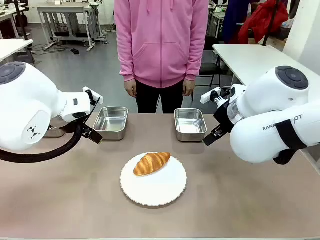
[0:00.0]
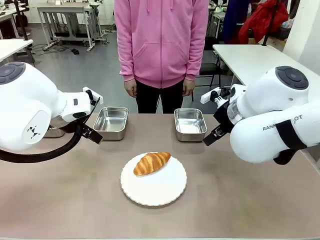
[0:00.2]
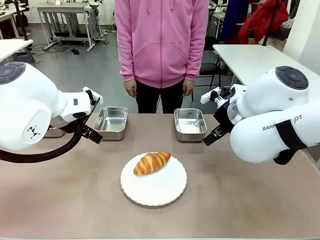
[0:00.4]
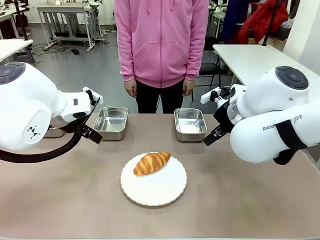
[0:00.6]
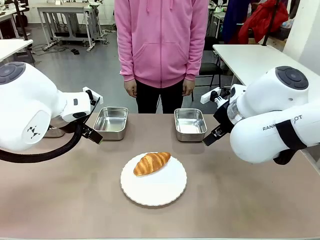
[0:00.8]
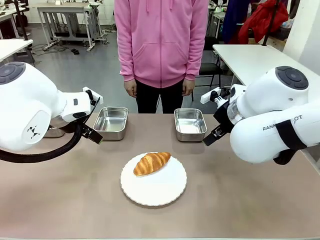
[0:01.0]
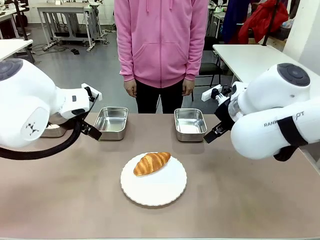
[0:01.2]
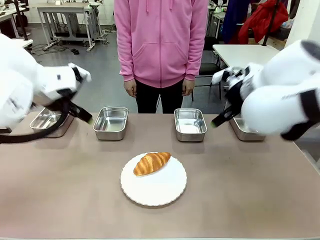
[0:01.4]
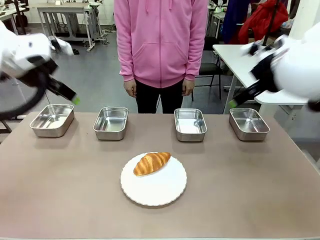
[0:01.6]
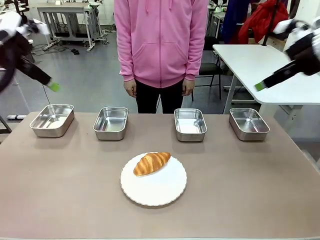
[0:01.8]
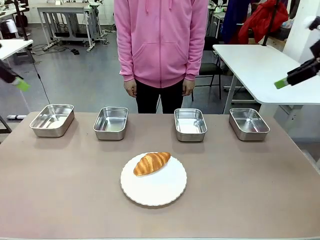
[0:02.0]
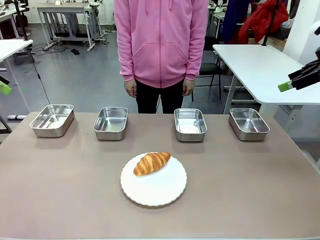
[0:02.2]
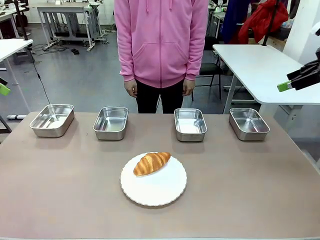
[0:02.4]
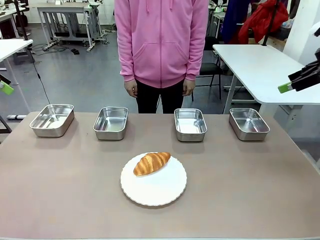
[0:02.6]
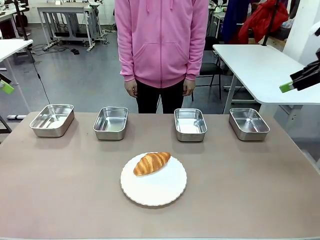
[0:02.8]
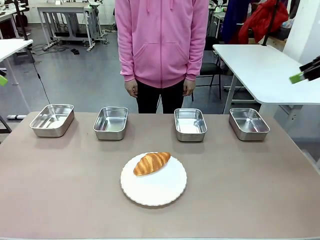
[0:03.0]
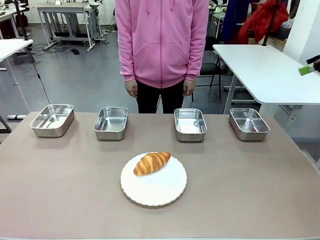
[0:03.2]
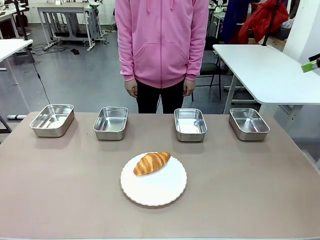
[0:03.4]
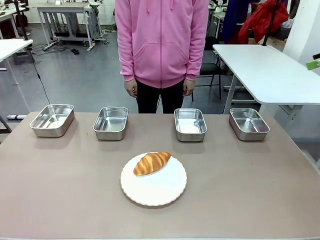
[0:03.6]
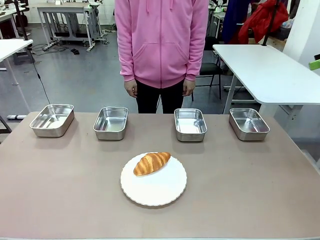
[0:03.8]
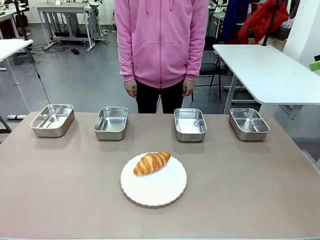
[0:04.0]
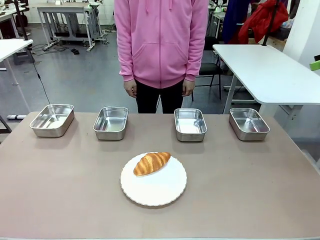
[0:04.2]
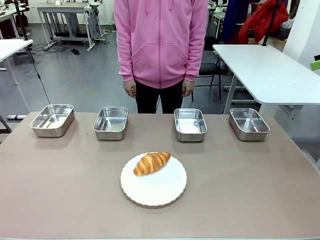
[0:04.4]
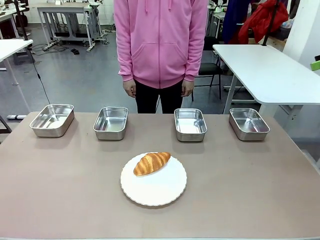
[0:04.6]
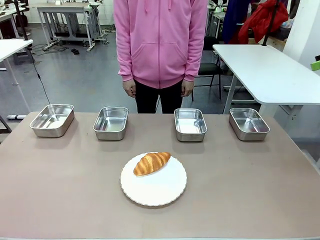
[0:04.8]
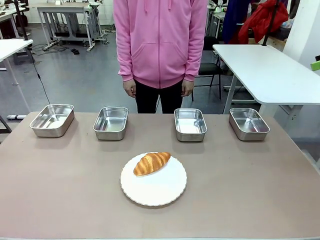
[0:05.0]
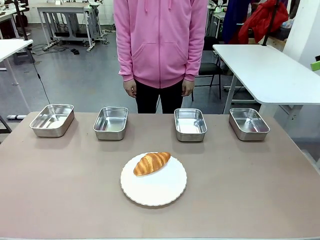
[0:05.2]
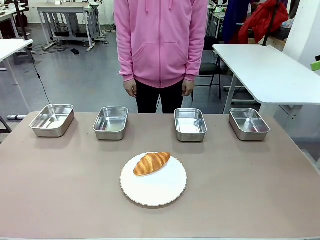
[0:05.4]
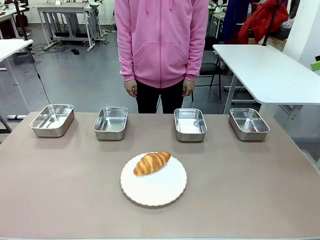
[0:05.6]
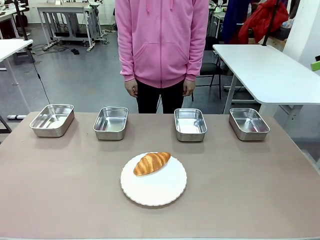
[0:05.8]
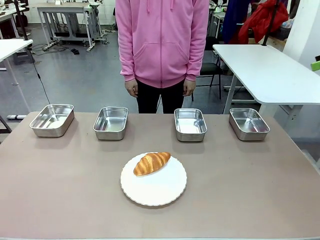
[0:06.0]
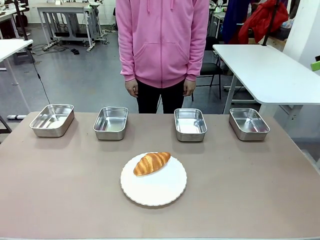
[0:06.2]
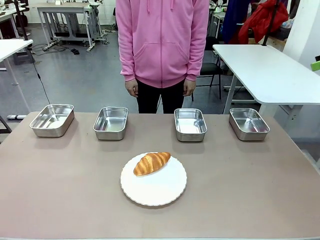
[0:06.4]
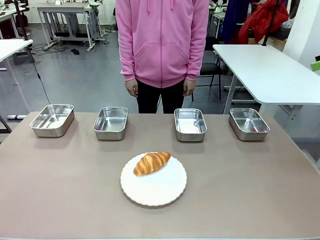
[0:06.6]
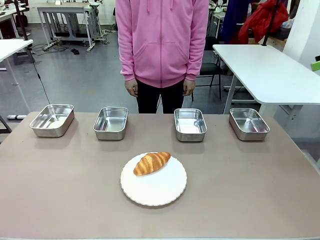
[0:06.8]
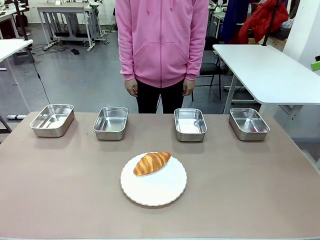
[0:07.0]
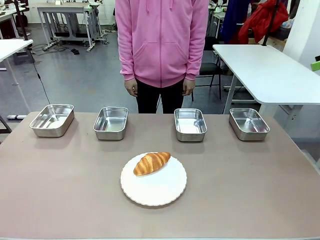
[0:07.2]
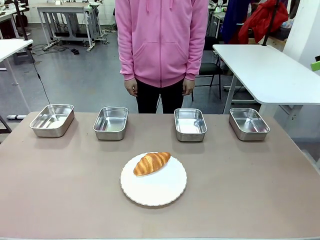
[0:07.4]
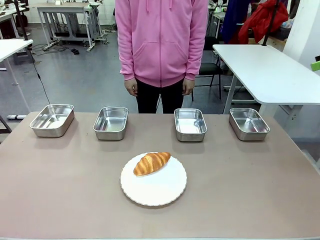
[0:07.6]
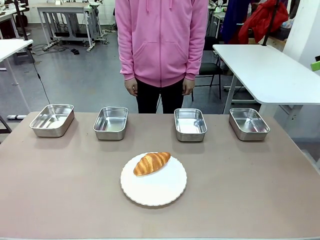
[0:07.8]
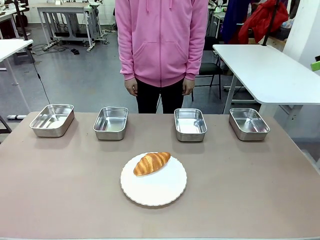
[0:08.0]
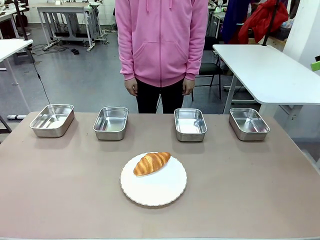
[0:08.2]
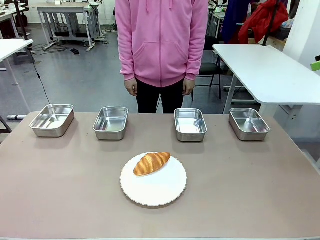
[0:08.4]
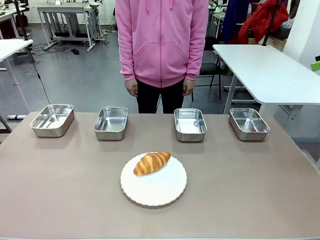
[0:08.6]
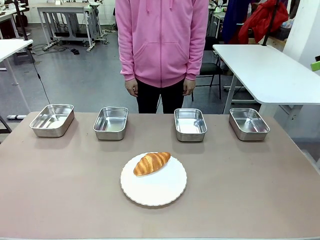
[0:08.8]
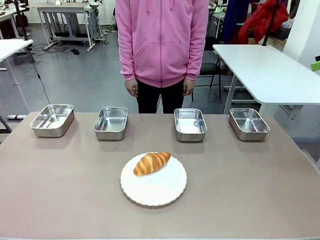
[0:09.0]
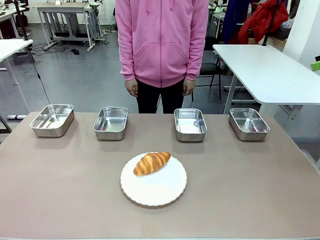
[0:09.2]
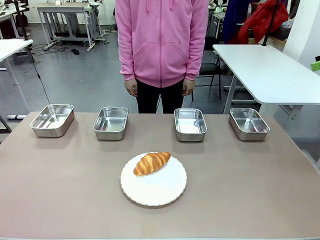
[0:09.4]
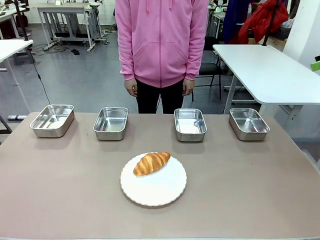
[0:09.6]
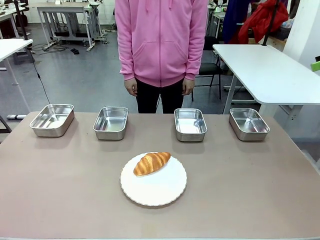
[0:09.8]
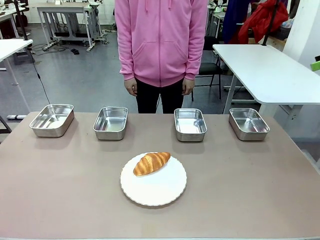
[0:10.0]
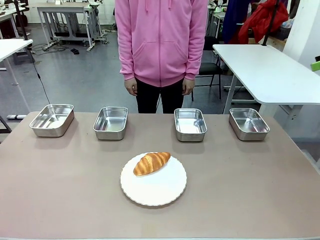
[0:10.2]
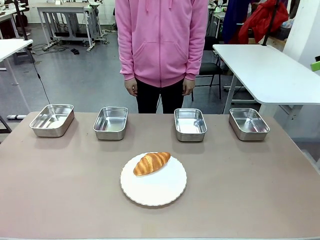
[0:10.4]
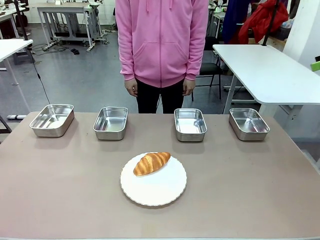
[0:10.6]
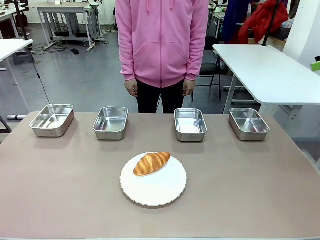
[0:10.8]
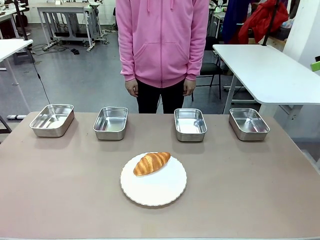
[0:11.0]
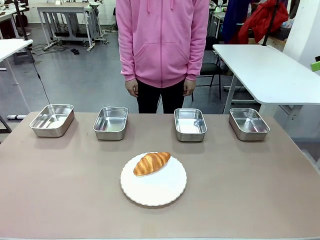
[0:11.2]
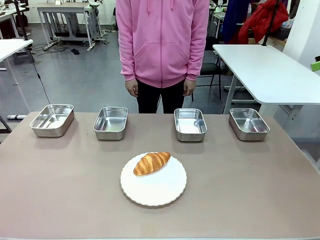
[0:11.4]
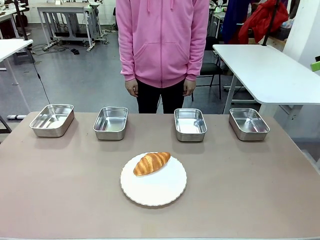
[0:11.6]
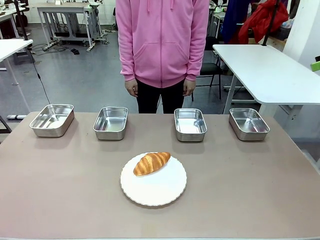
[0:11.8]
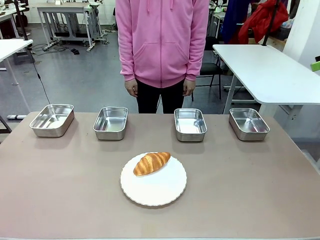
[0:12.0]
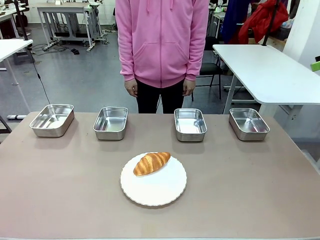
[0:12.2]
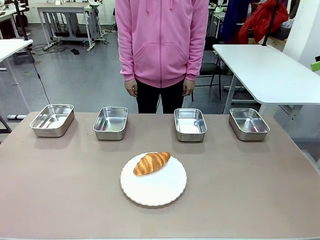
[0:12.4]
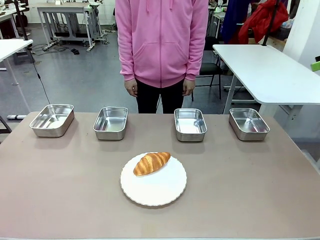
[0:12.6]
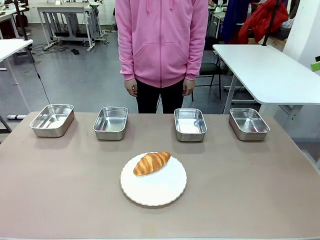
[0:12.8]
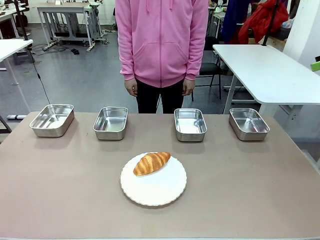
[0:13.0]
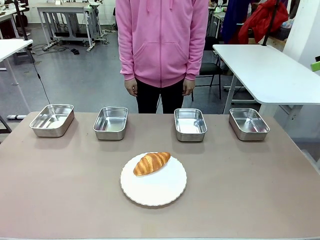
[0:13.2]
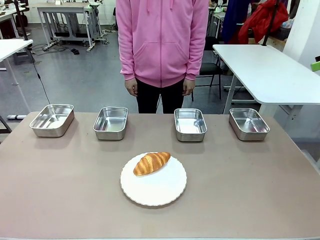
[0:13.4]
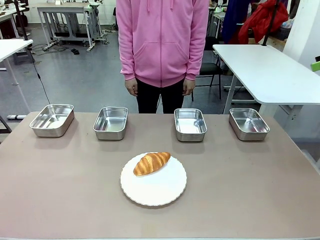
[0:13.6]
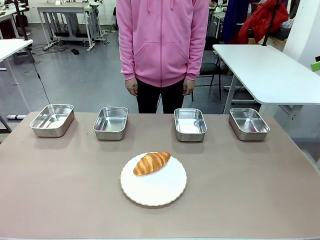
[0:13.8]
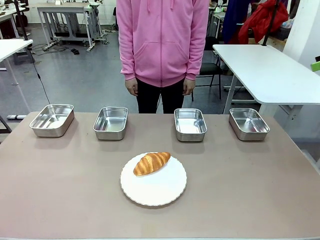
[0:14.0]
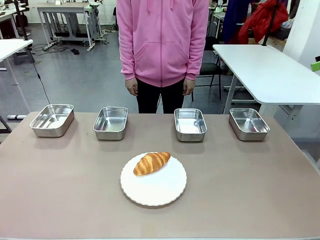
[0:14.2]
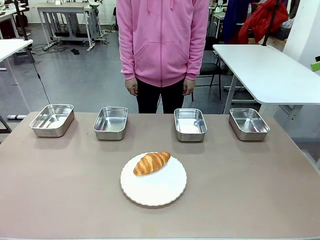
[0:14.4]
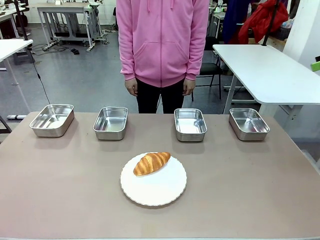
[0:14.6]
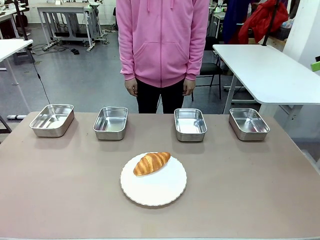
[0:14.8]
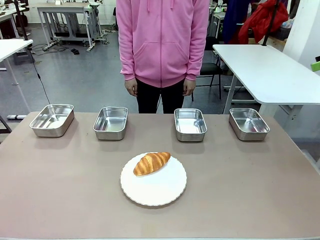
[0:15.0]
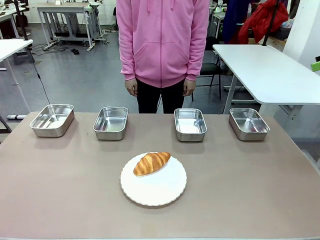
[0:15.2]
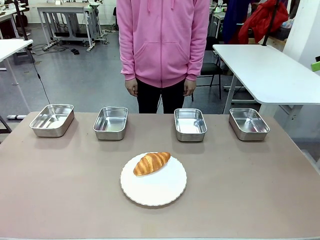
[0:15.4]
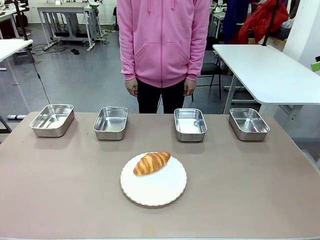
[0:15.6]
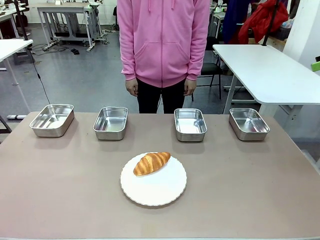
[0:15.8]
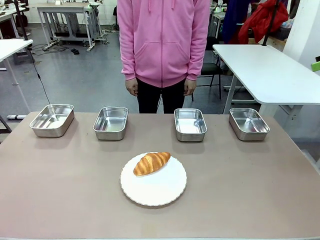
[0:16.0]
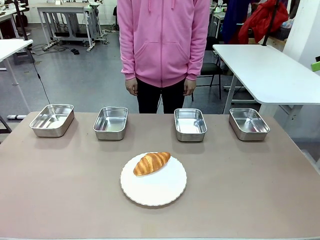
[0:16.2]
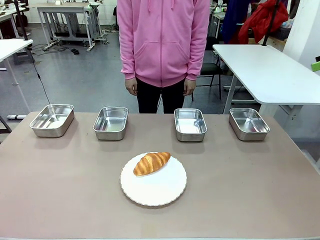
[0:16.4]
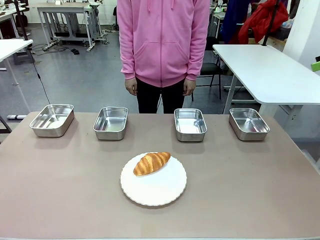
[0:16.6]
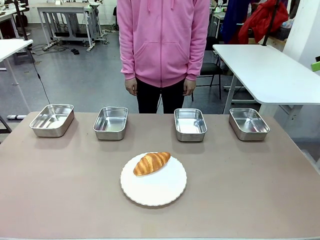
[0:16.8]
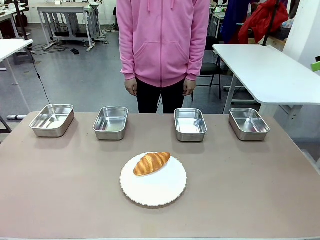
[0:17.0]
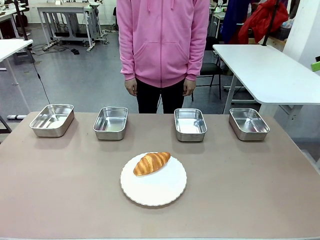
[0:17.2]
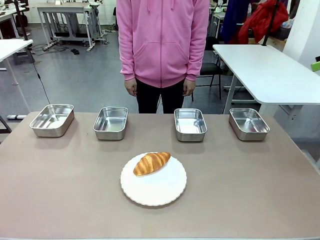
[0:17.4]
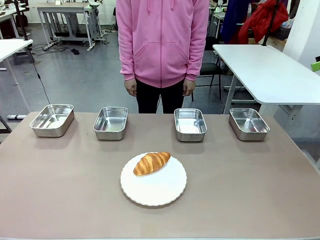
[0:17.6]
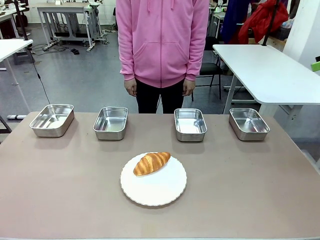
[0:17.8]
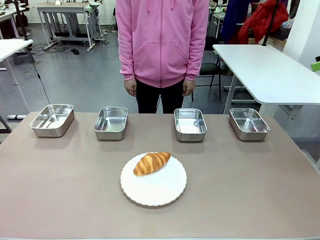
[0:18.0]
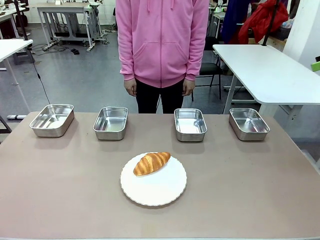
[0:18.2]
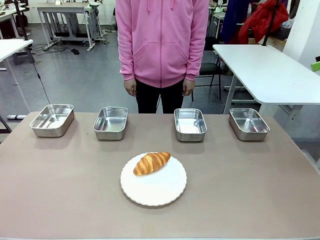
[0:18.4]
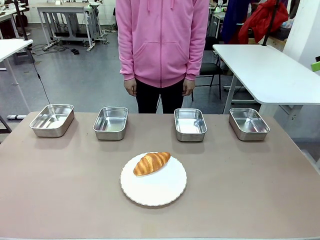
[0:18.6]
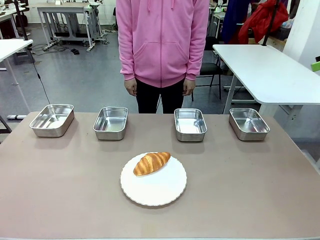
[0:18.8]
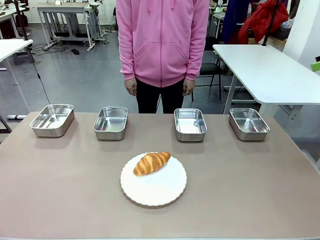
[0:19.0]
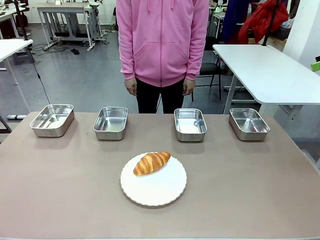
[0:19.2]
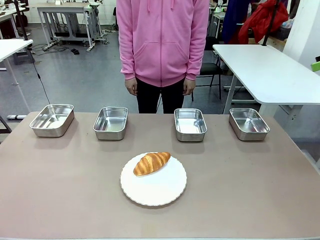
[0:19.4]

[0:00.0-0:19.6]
Task: Place the bread in the container.
Robot: Place the Butter Roll into the Airtight Container indicated by the human.
